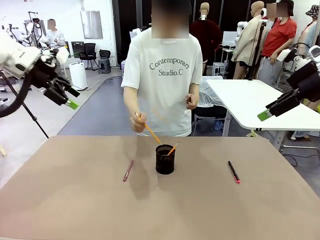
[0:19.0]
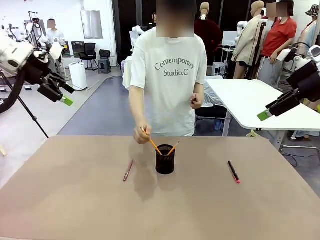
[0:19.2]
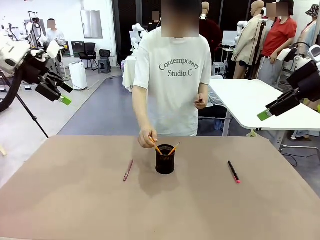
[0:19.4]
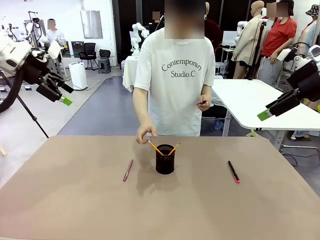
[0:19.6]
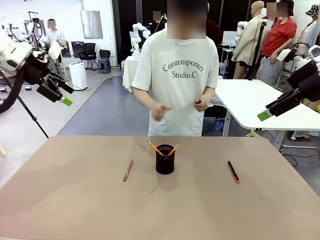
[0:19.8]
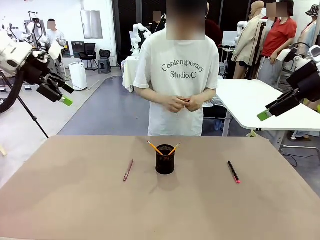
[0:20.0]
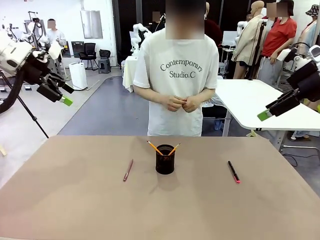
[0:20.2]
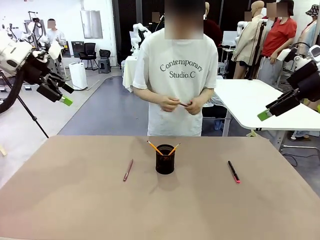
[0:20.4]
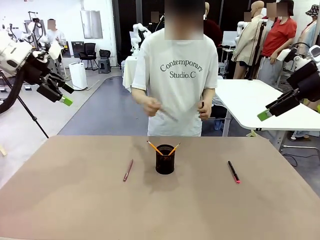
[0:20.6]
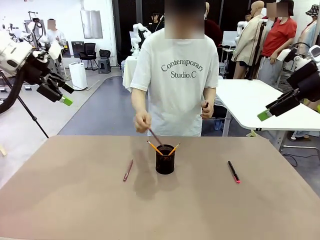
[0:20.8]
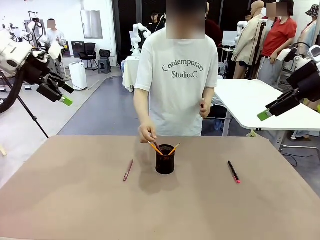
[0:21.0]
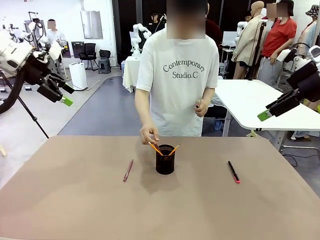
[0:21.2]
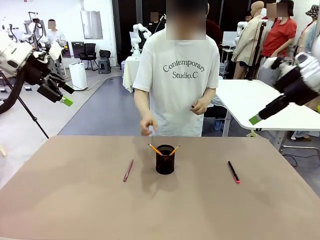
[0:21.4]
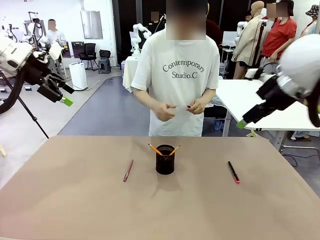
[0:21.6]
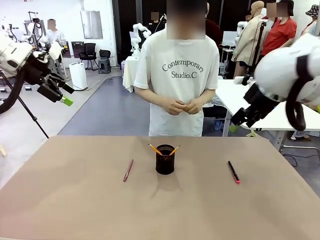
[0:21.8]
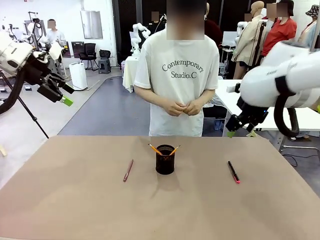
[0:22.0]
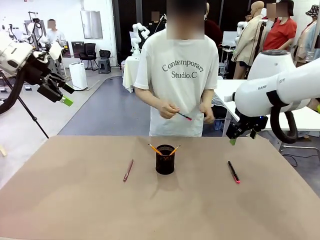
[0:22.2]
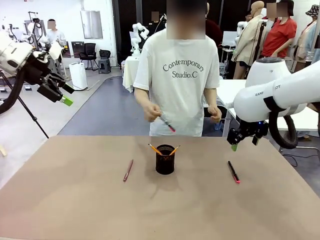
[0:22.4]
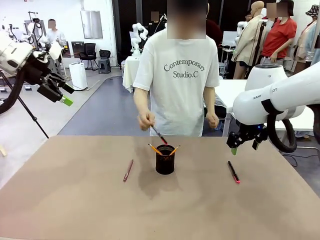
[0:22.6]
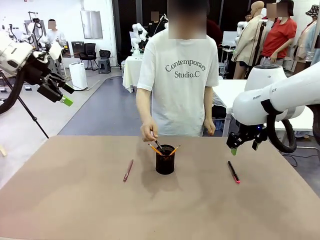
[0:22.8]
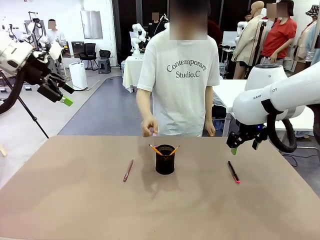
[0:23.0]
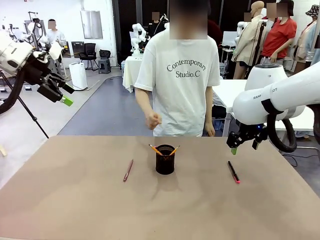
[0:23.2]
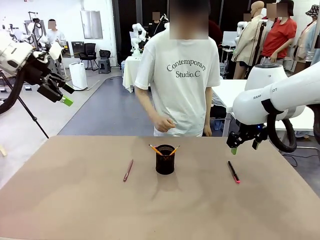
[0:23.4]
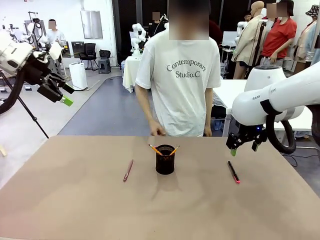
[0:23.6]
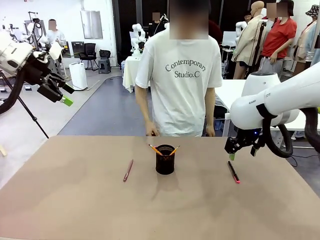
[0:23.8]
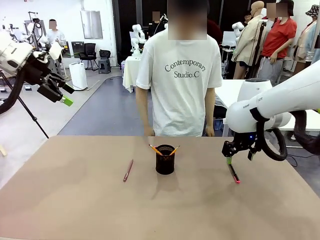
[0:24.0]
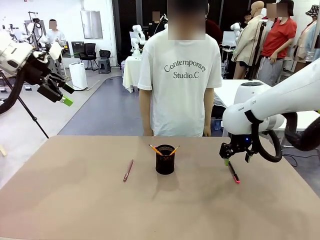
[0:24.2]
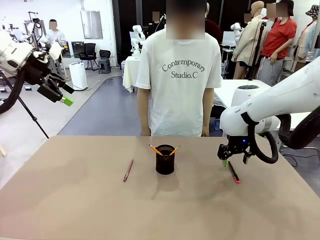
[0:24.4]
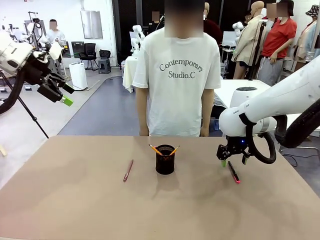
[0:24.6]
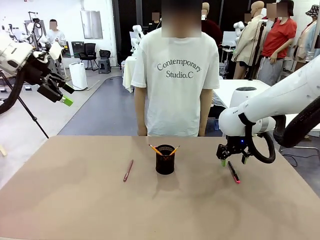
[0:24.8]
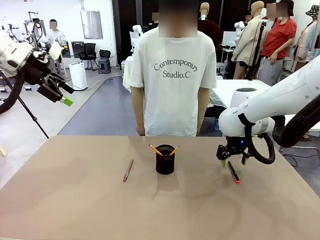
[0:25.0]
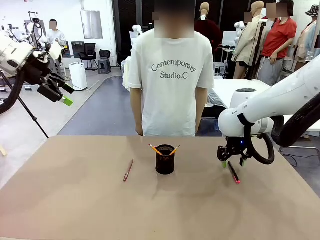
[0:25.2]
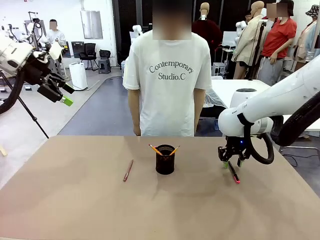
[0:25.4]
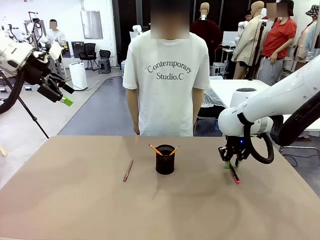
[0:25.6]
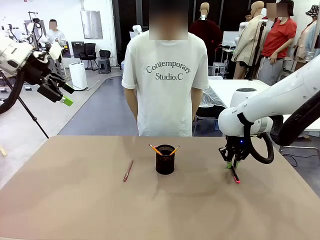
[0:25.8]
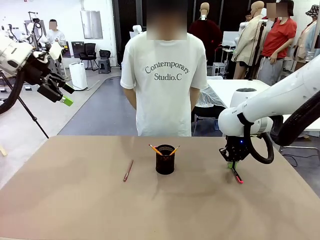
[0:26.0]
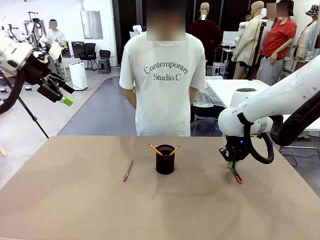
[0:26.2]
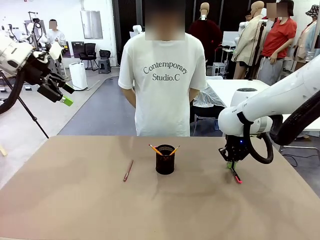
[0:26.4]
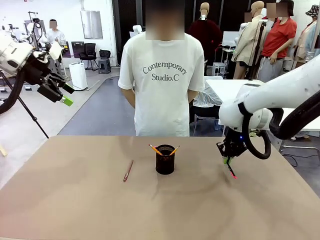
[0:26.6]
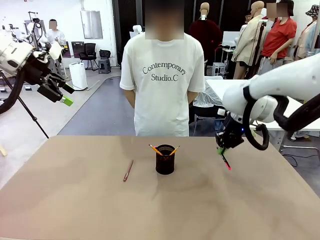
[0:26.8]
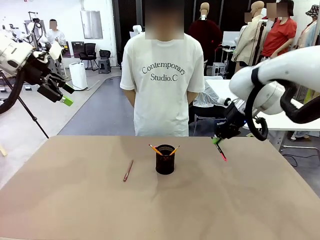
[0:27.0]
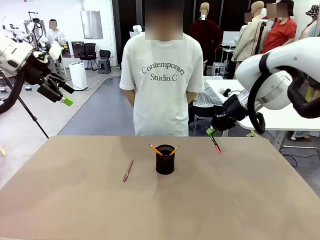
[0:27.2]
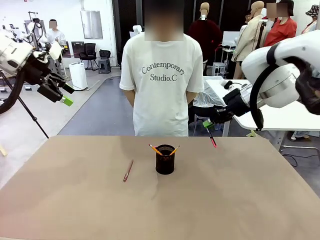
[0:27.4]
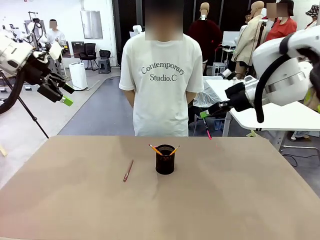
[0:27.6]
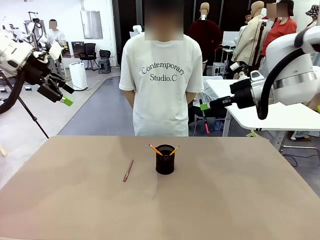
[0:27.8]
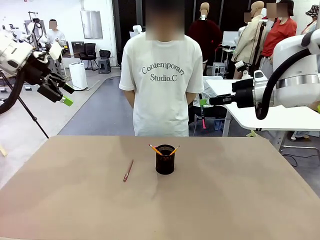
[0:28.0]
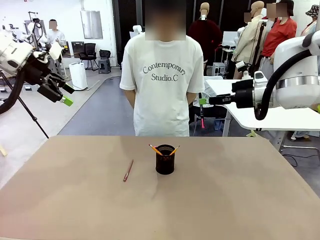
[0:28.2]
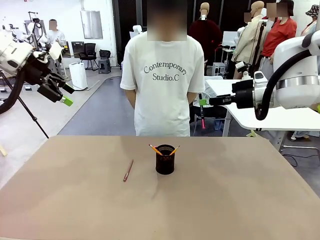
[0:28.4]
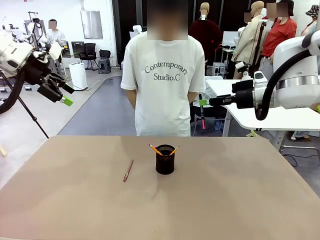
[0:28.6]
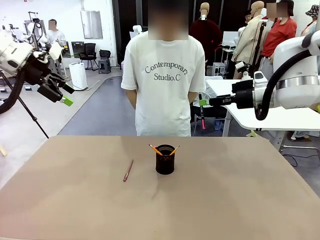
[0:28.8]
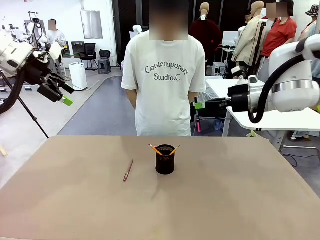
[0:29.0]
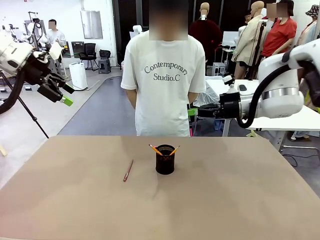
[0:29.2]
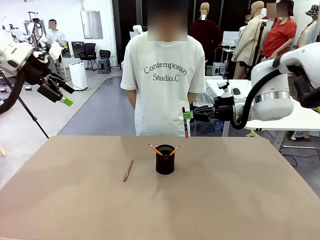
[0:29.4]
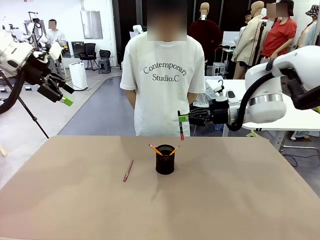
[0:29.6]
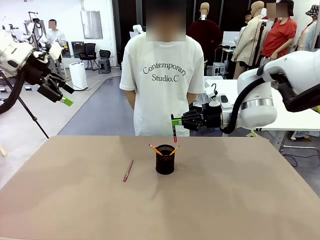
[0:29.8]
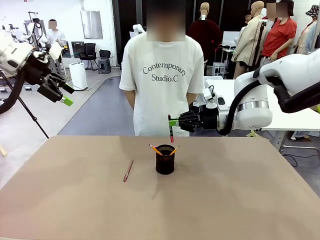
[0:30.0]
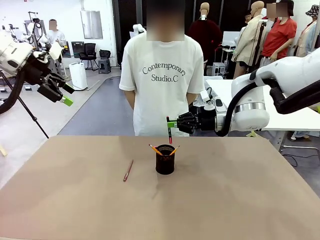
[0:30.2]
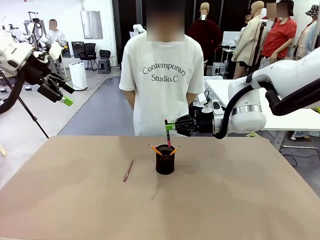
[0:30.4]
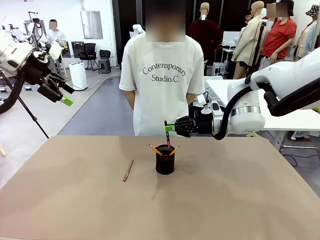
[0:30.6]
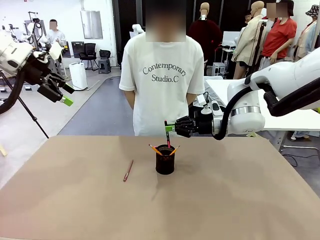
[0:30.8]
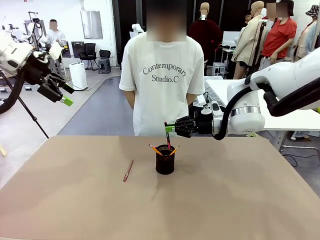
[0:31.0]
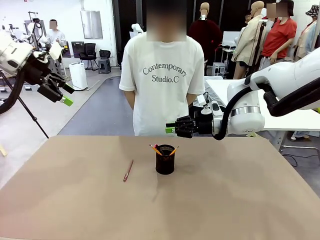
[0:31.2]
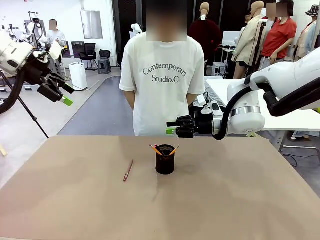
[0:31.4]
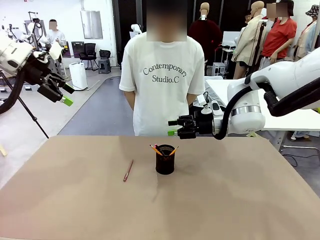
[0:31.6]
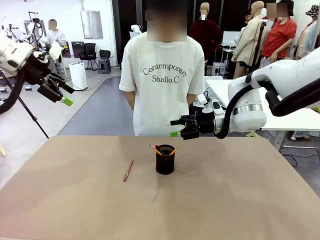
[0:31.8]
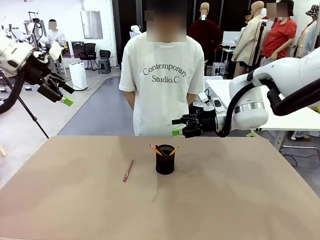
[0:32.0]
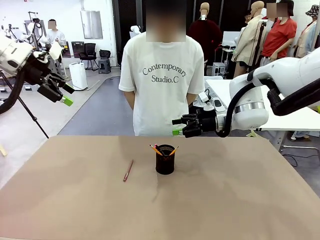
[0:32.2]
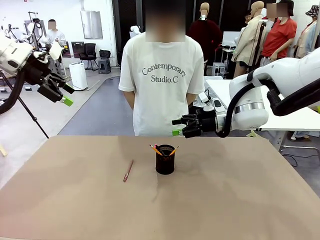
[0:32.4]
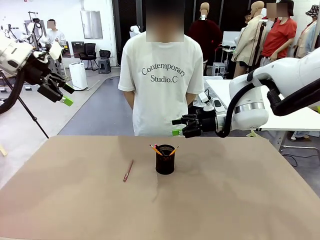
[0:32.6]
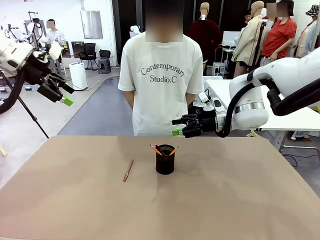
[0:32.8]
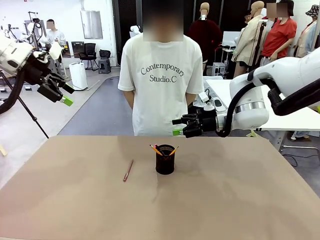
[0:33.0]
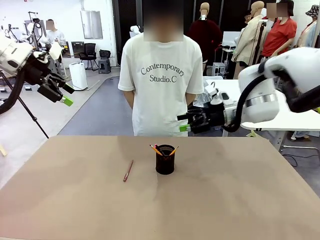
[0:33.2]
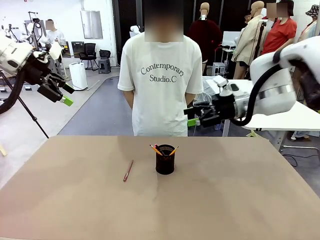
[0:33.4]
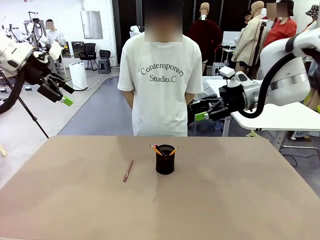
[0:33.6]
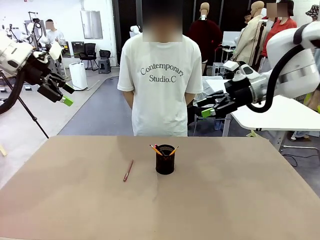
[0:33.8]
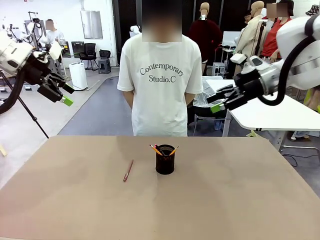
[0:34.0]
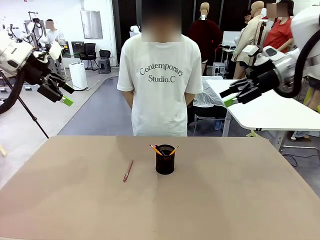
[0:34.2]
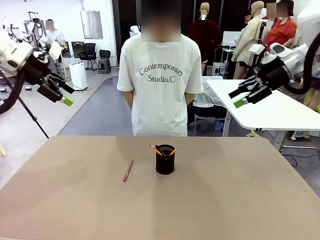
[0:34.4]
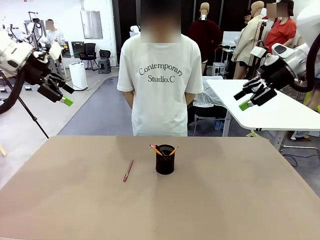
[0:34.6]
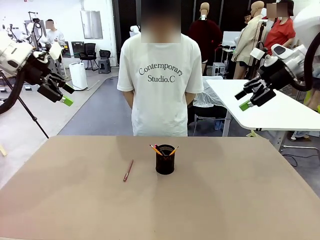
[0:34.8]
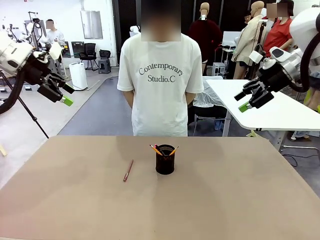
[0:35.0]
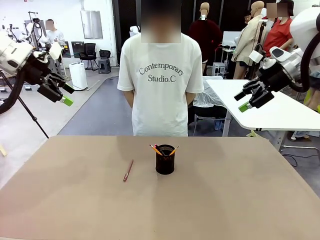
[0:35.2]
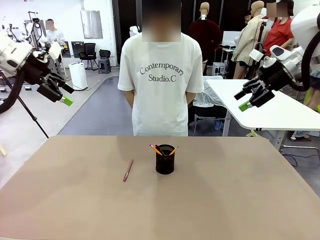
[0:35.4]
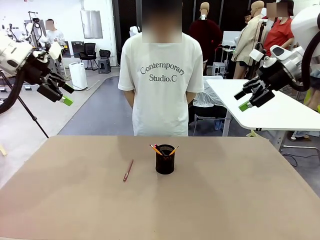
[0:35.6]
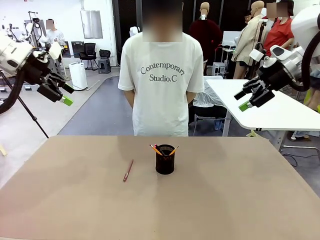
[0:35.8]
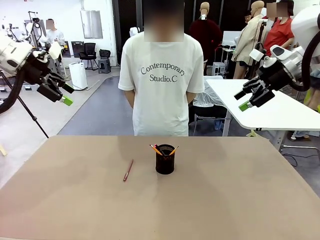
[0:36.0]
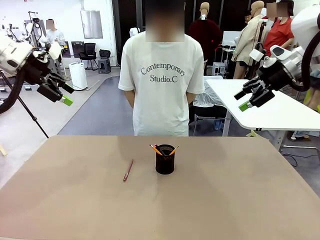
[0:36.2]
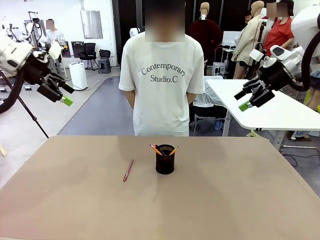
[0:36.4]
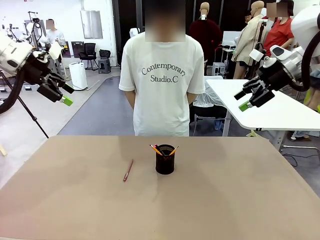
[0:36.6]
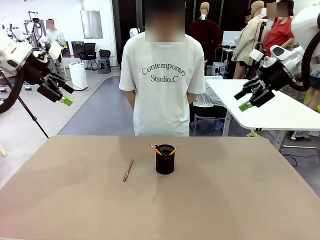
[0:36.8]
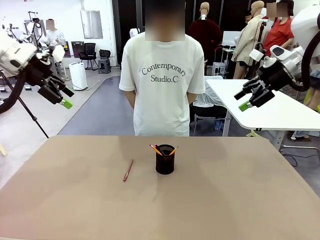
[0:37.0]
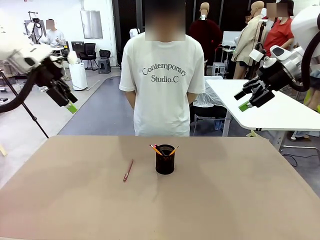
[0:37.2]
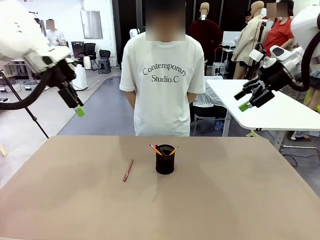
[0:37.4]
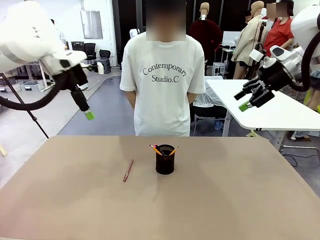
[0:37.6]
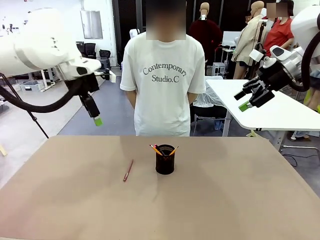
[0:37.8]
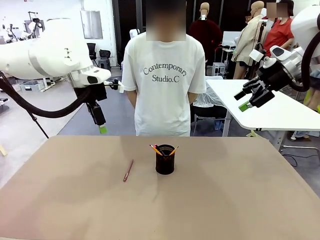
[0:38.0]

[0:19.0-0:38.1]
Task: Place the pens into the pen holder.
Robot: Pick up a writing instrument from the table and place it into the Pen holder.
